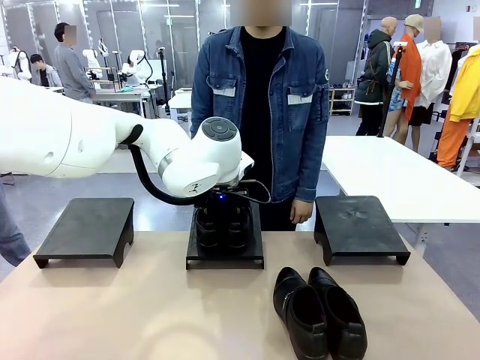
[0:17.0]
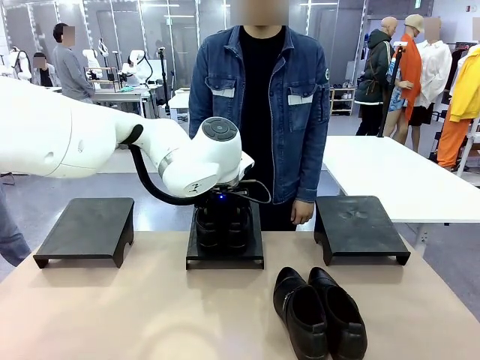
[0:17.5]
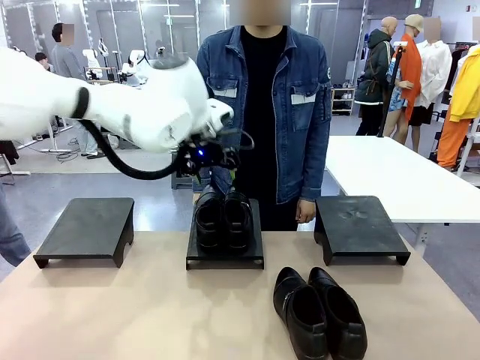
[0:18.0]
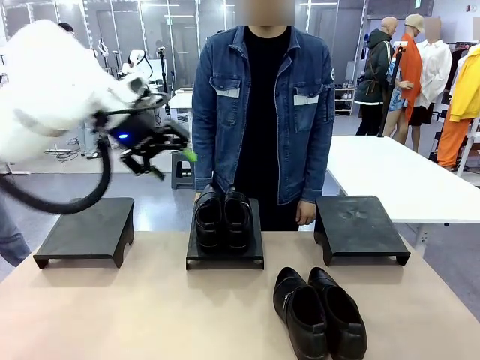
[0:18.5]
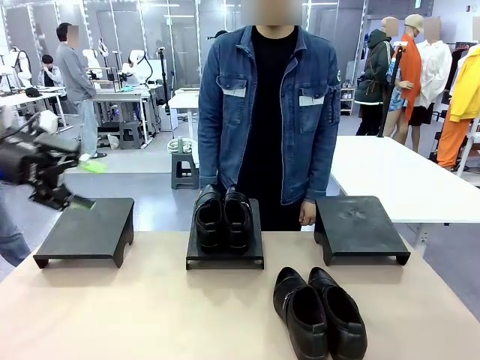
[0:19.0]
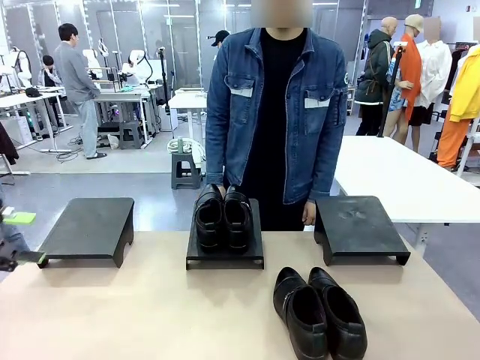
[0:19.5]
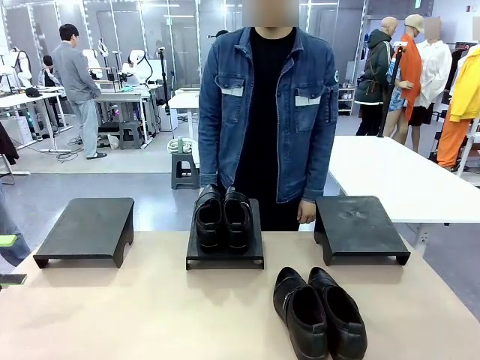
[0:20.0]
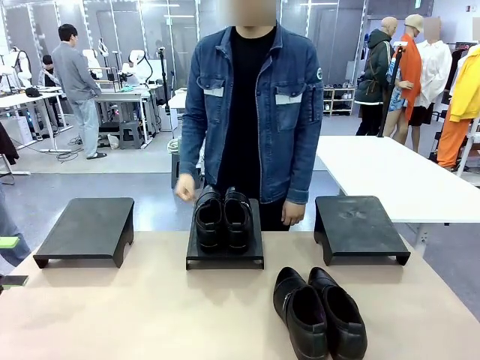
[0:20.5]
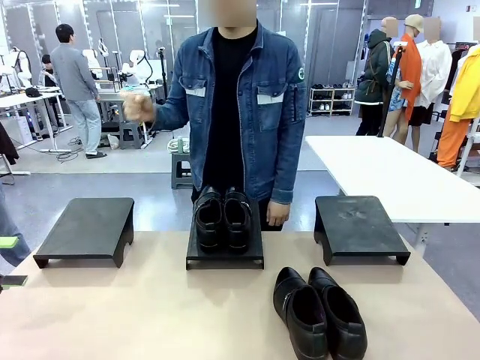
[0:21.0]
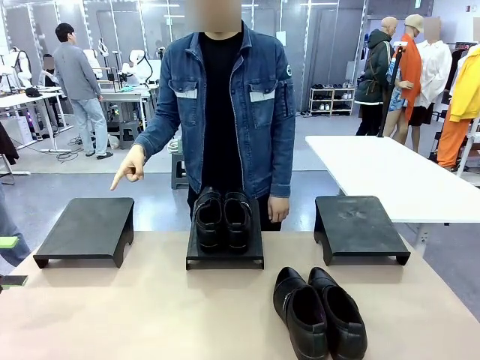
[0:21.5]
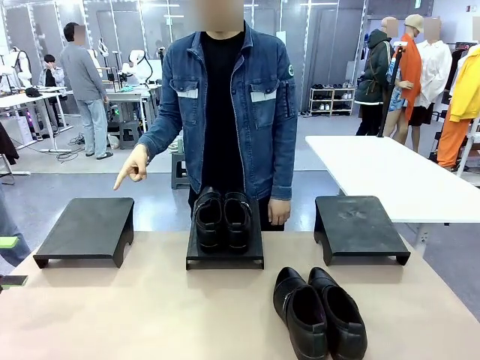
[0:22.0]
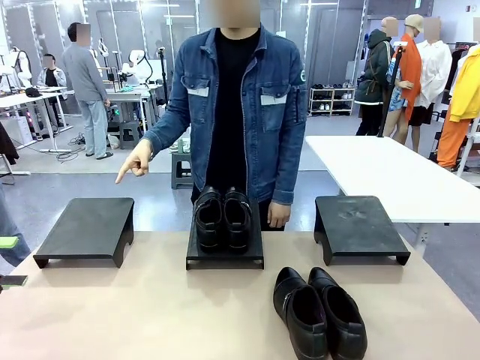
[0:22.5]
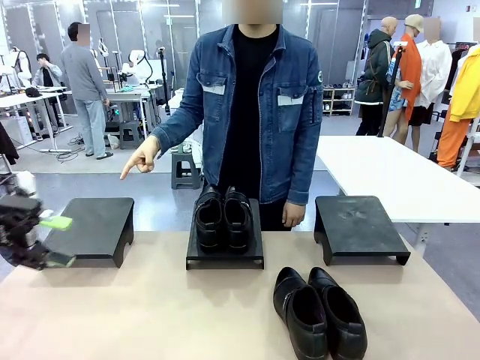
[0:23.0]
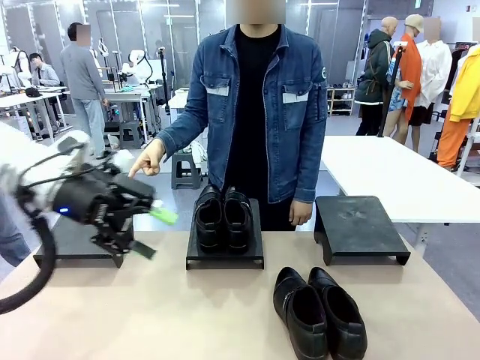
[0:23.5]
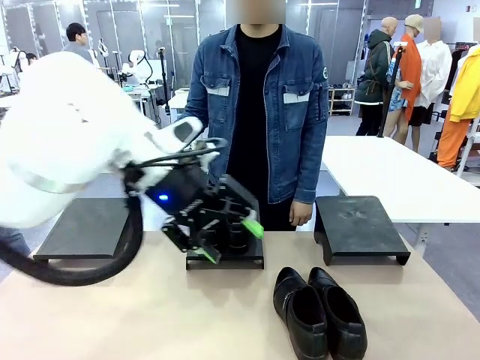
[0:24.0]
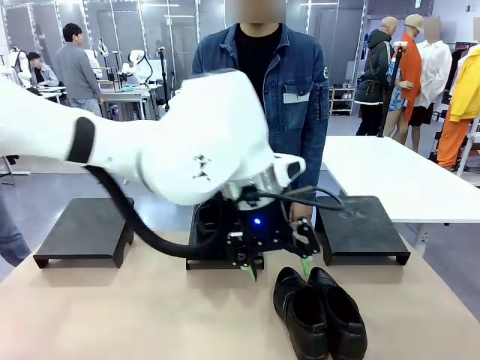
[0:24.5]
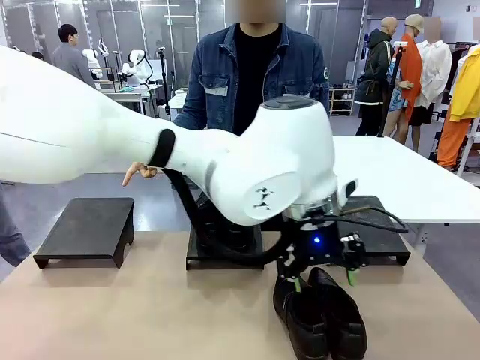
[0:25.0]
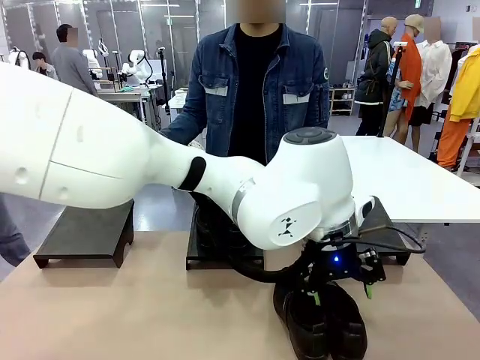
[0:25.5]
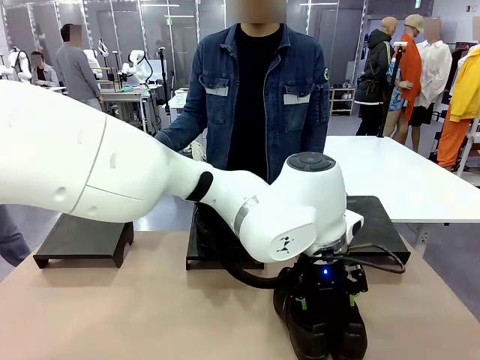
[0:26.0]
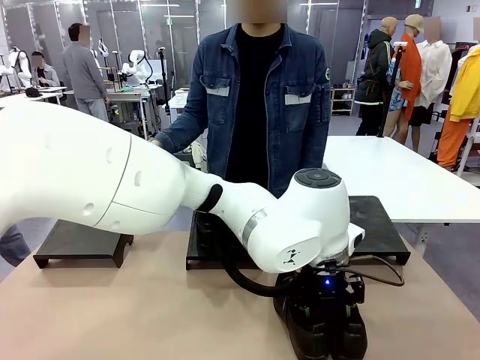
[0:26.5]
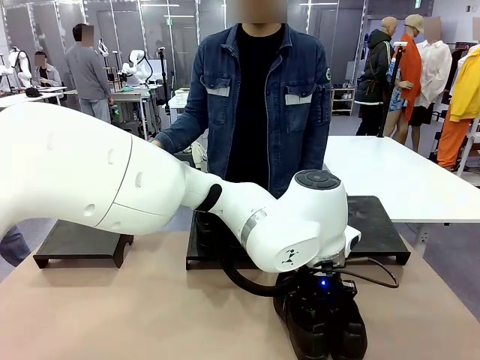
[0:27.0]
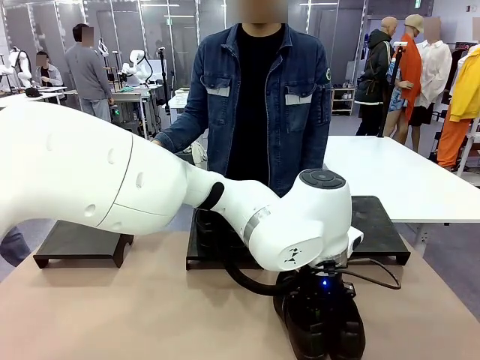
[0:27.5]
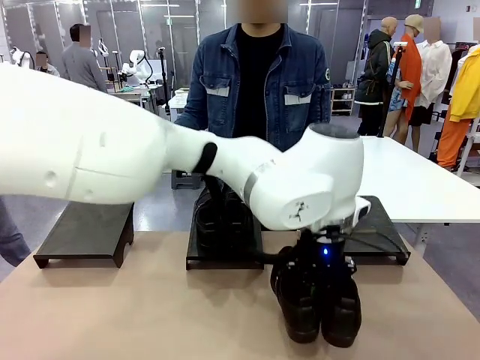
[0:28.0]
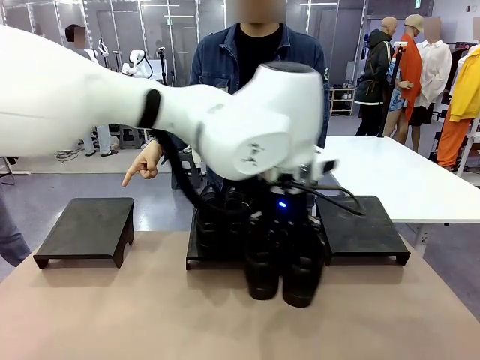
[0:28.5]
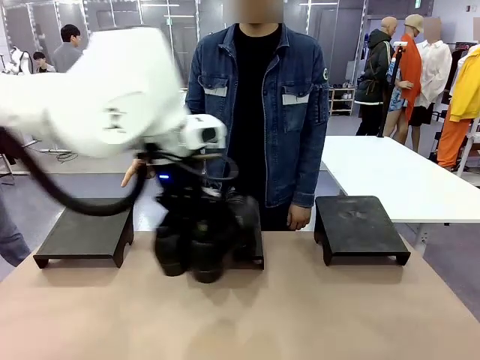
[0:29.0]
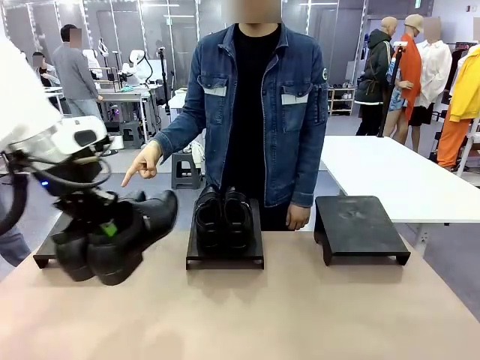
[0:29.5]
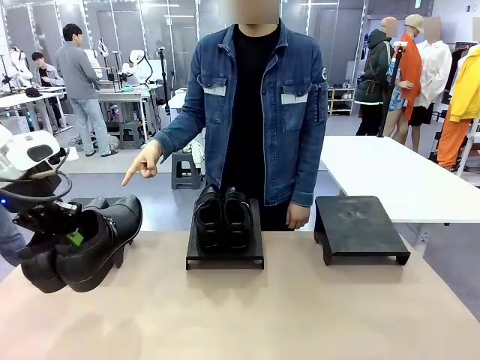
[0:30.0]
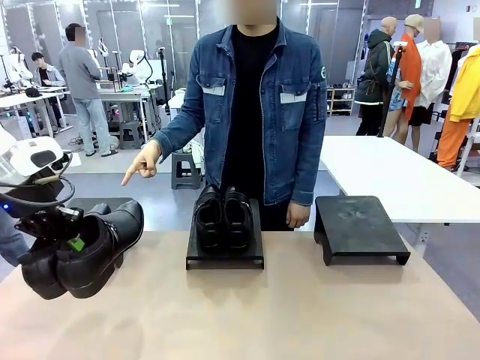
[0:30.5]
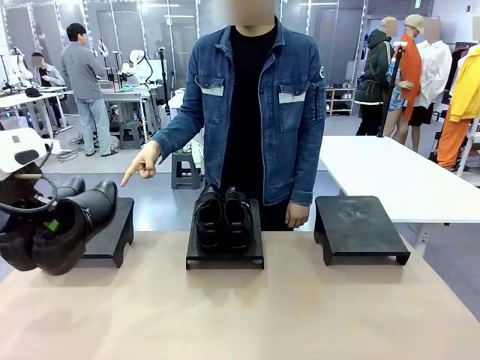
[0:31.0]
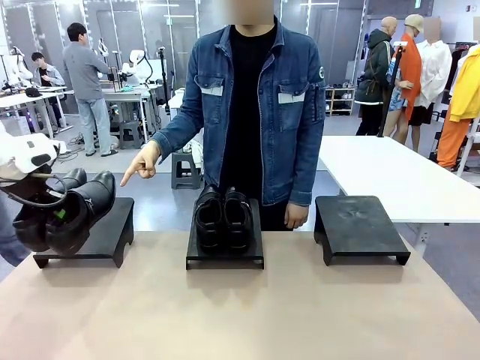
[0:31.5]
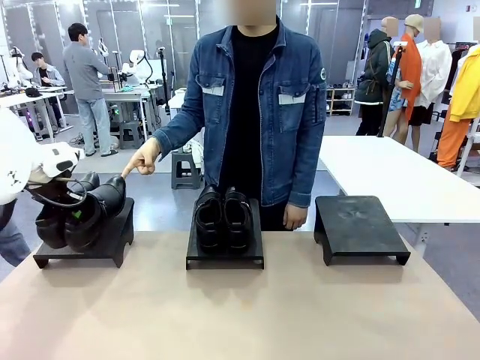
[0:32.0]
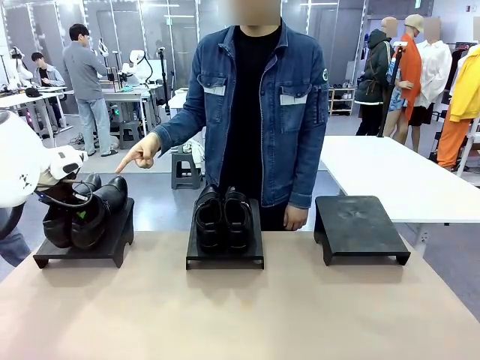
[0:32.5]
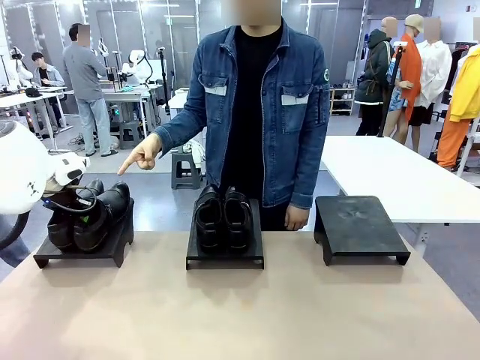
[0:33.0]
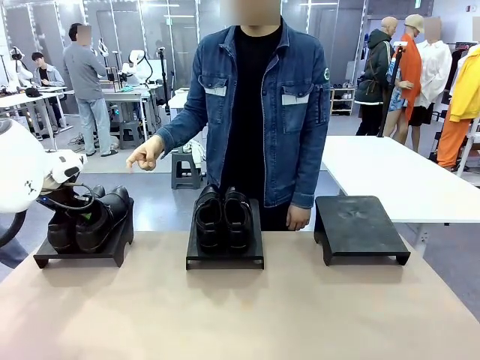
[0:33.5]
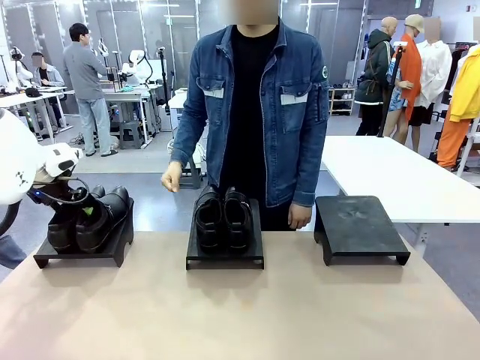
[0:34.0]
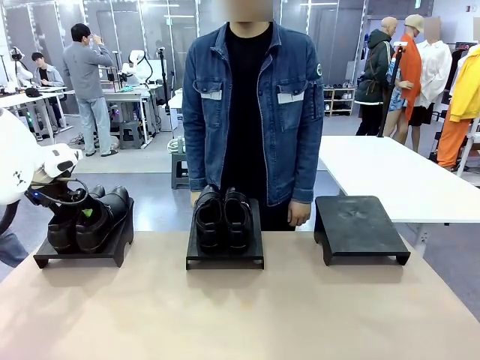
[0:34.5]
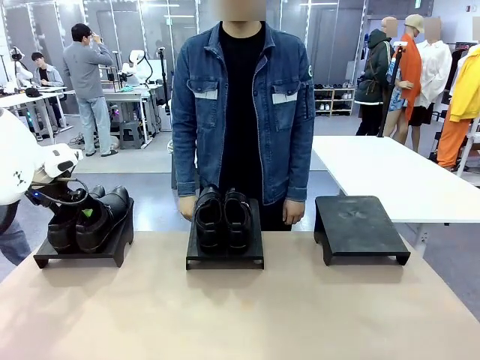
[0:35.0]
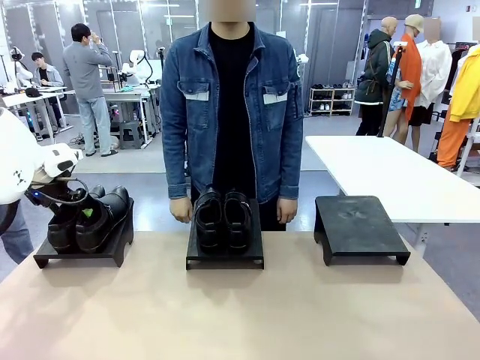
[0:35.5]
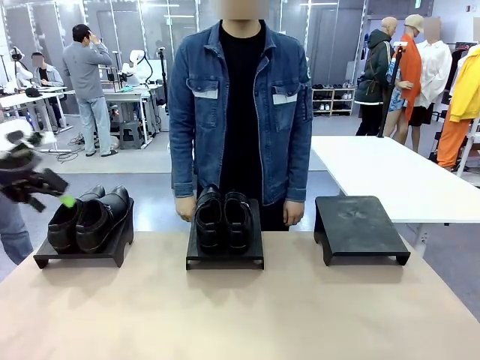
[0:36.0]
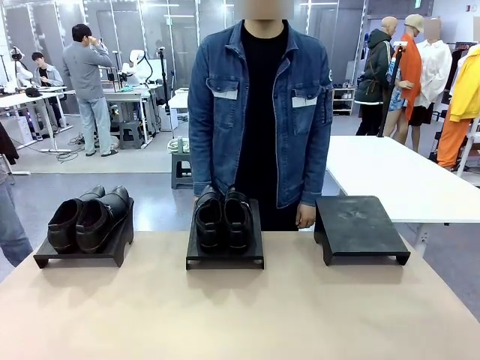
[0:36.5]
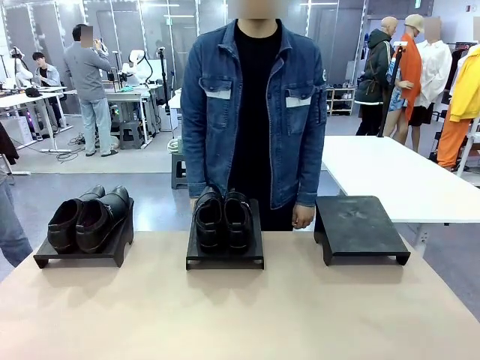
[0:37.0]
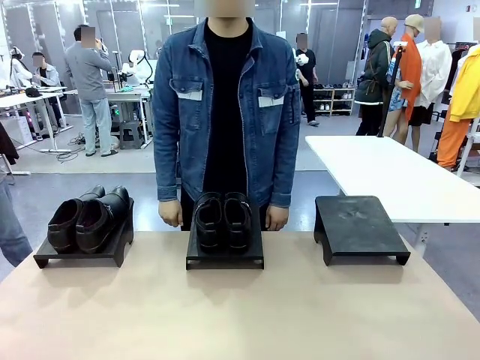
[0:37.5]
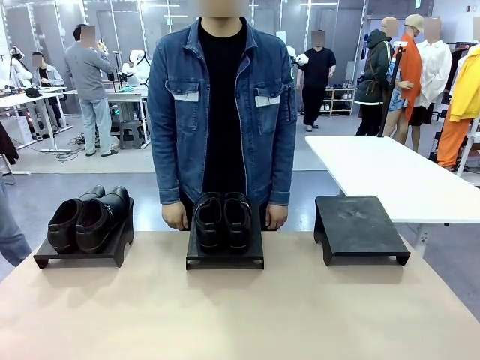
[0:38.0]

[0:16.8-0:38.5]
Task: Place the shoes on the stand as instructed by the person.
Robot: Pick up another pair of Shoes and place it on the Shoes Stand indicated by the person.
Person: Point to one Shoes Stand.
